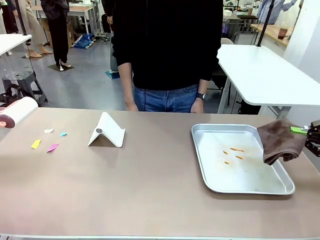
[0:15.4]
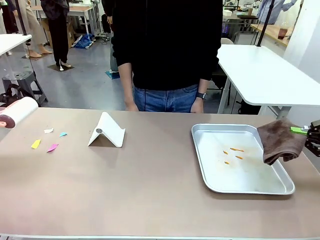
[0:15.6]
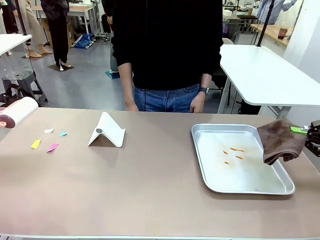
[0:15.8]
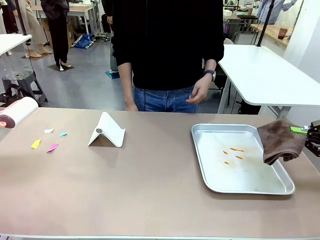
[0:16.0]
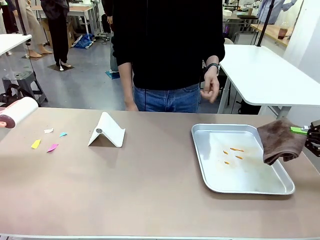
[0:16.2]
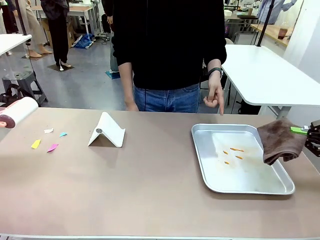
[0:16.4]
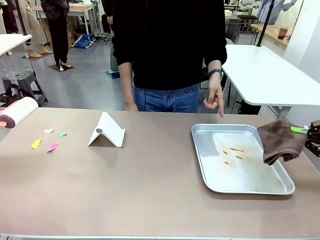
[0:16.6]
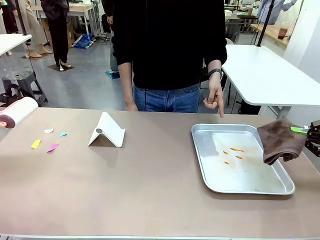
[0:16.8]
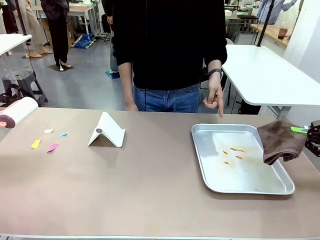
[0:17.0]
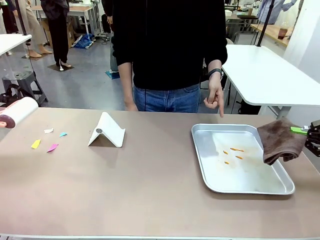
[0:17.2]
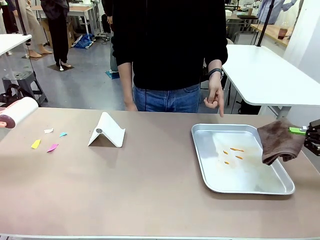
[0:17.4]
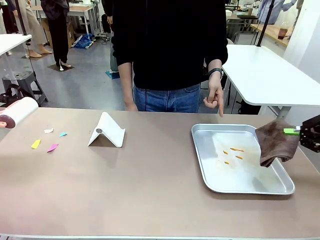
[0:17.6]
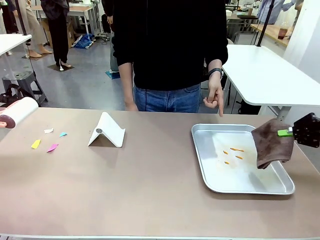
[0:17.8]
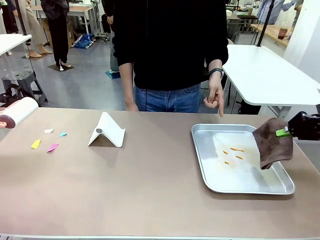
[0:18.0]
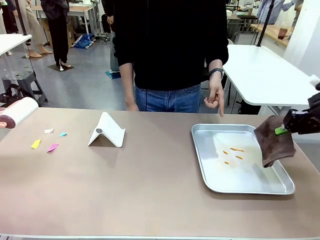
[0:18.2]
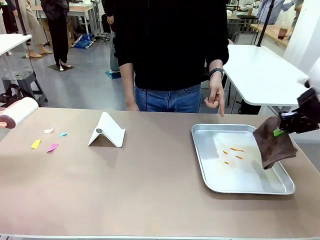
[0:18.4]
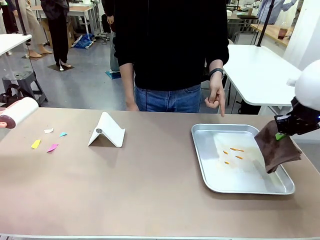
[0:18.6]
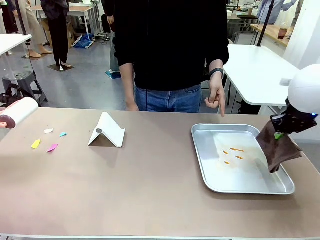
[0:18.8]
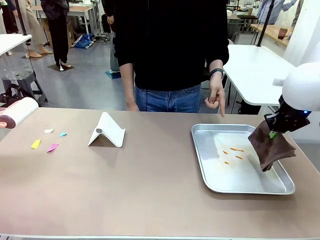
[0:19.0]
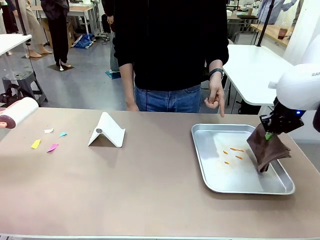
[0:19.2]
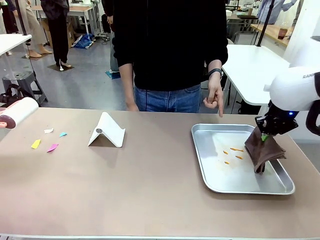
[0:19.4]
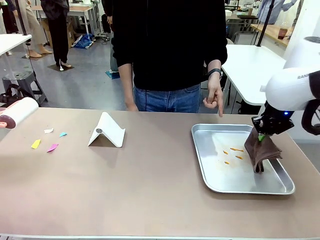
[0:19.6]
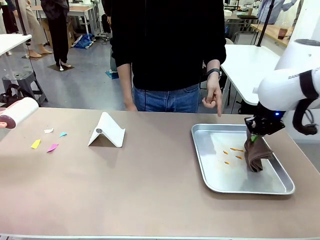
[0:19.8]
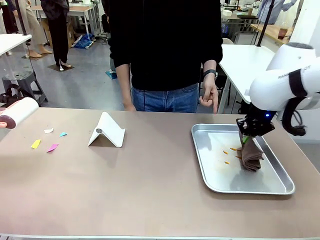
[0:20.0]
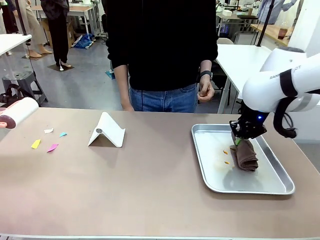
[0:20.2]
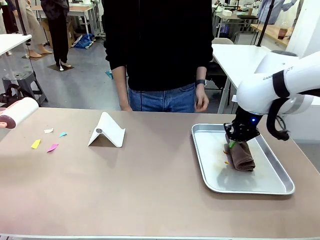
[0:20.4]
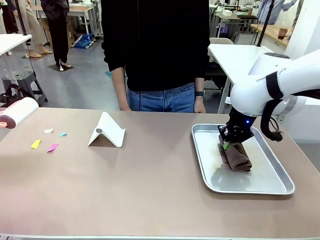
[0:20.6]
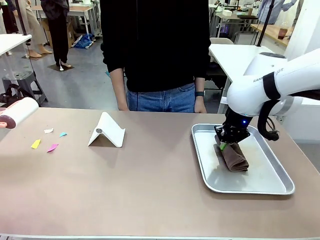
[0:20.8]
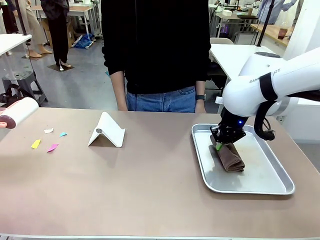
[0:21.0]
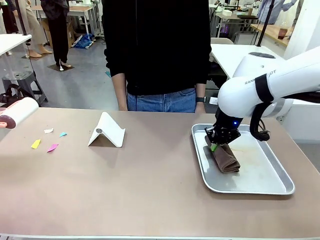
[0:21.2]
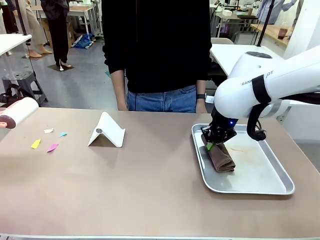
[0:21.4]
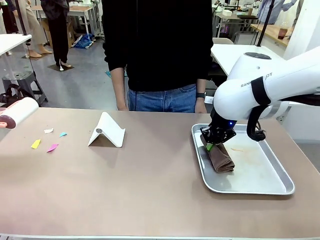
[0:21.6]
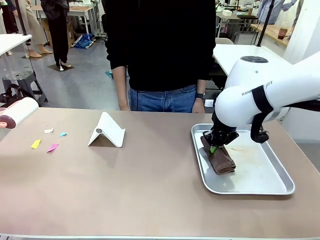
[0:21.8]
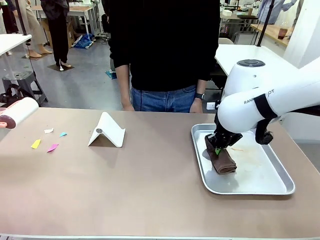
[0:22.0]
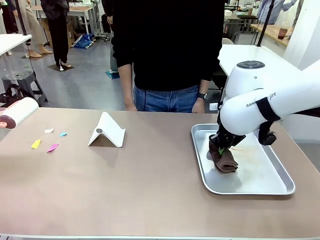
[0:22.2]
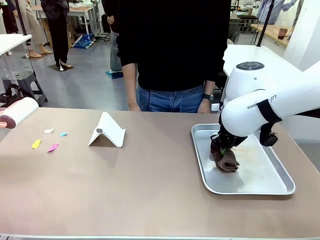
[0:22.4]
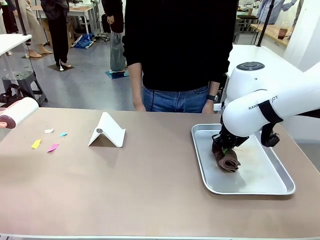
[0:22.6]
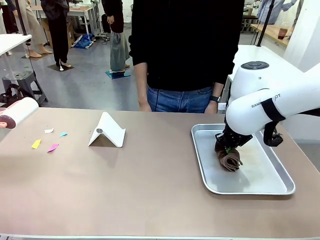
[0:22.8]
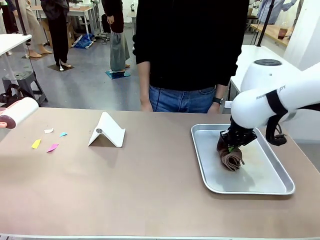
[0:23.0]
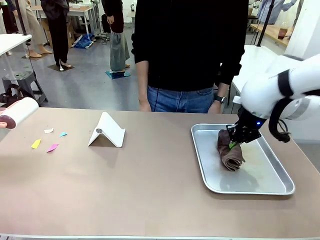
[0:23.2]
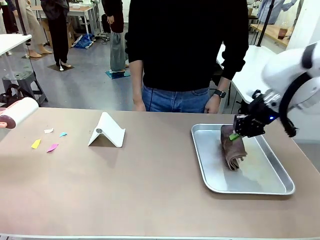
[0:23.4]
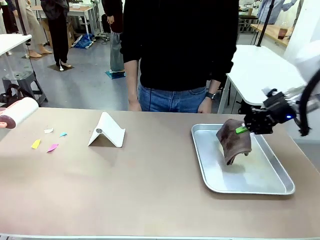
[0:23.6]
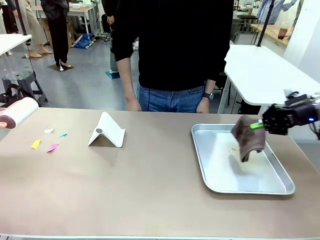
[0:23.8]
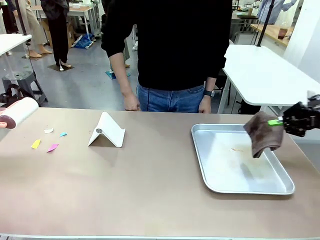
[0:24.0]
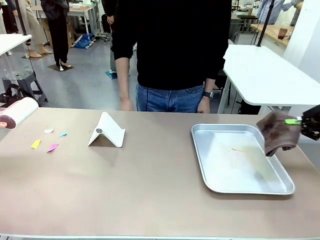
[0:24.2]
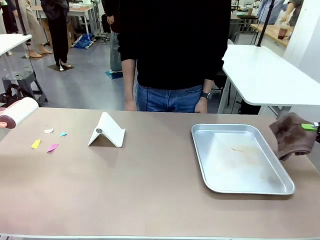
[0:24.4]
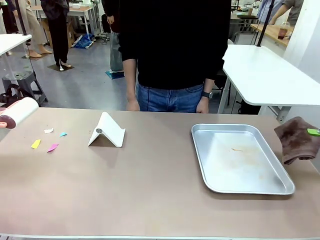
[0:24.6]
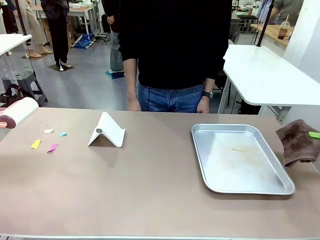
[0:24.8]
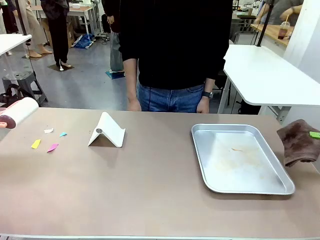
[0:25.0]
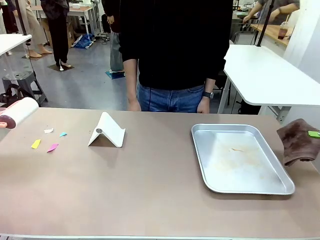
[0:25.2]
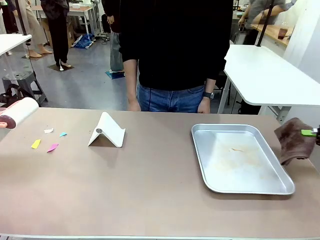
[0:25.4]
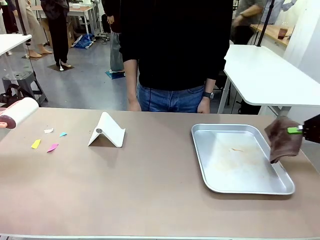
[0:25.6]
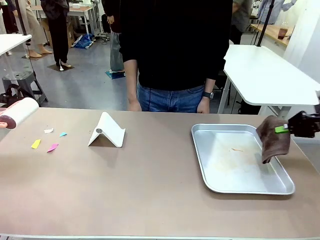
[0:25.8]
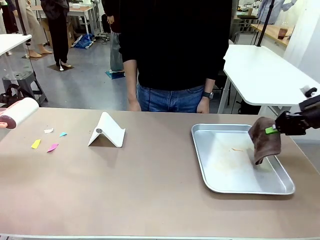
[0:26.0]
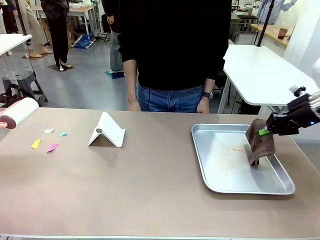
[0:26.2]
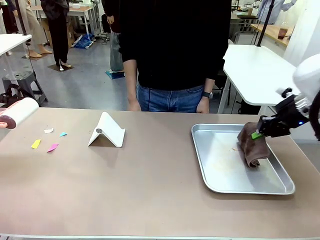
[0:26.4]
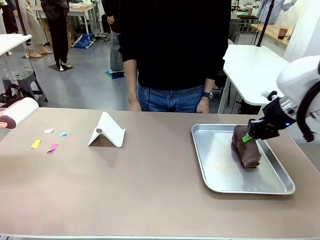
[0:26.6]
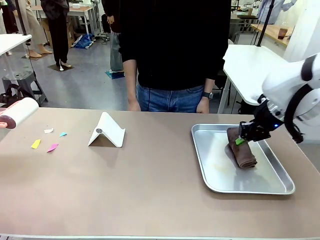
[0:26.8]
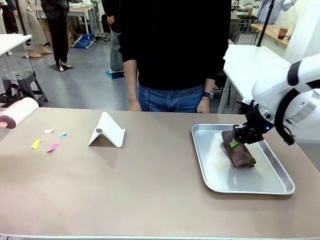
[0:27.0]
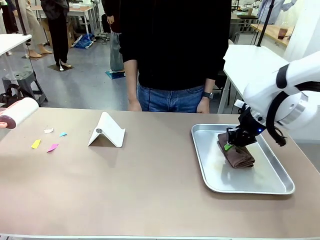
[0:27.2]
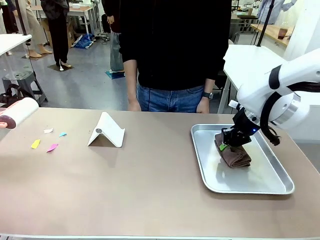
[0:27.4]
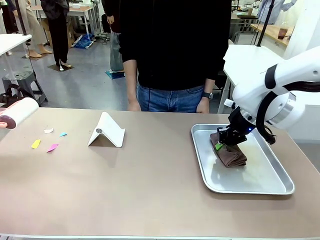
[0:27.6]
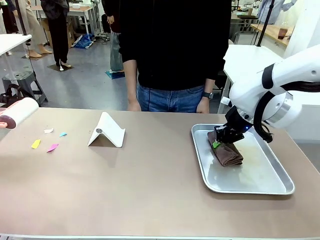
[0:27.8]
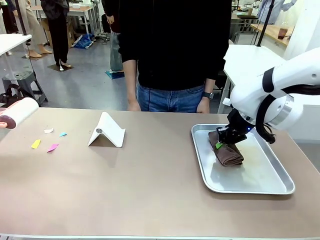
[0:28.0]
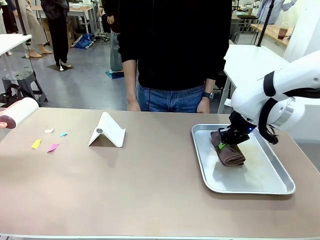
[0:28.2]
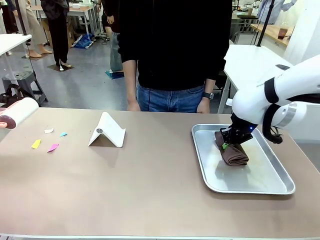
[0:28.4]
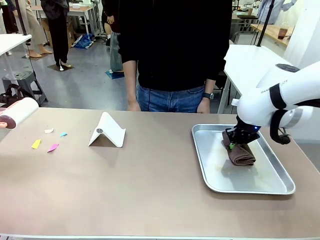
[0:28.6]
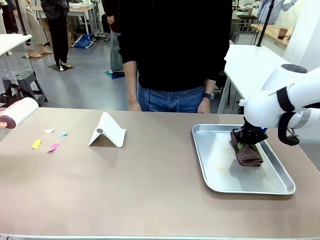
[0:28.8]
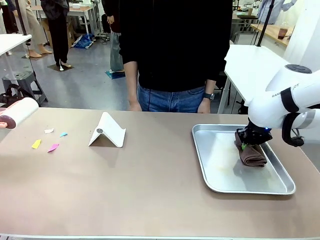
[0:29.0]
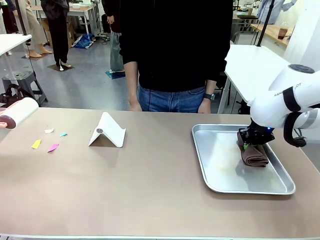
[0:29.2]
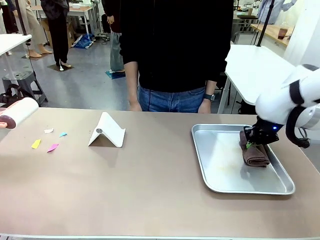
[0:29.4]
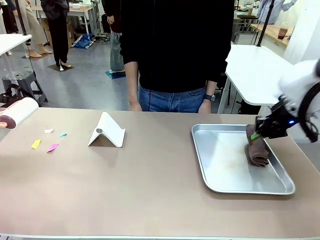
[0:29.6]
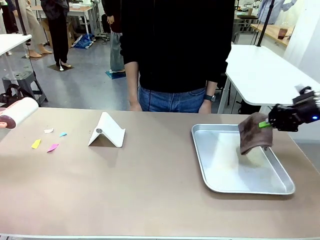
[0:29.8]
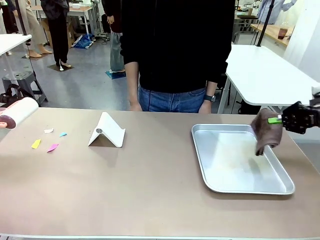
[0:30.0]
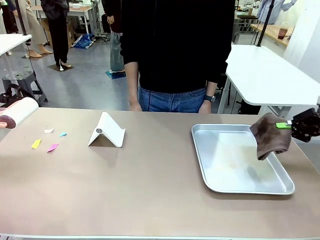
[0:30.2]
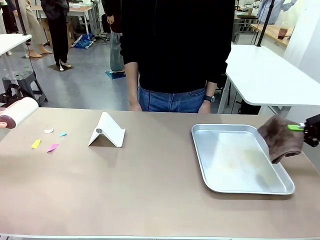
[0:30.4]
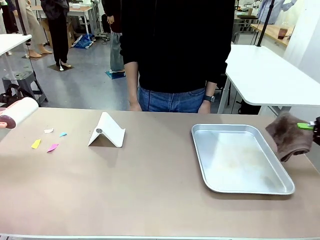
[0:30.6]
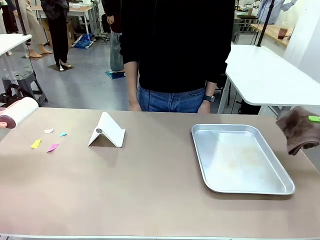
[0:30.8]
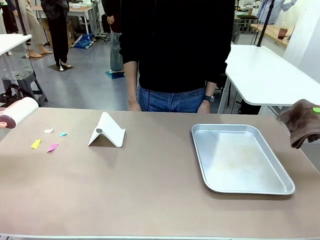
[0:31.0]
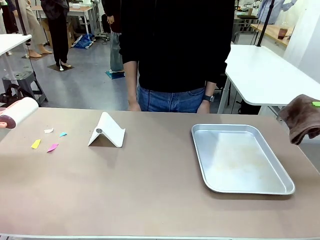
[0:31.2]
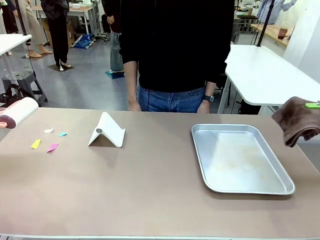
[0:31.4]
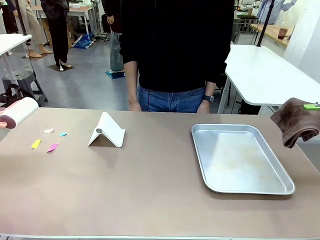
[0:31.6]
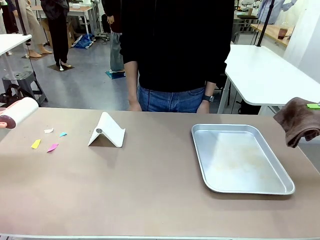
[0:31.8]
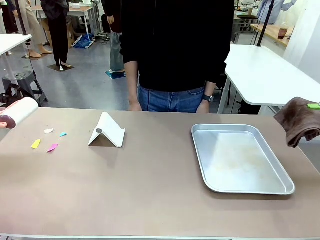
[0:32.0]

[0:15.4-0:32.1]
Task: Clean the surface of the table.
Robot: If a person points to the right, clean the right side of the table with your right hand, and if they point to the left, clean the left side with your left hand.

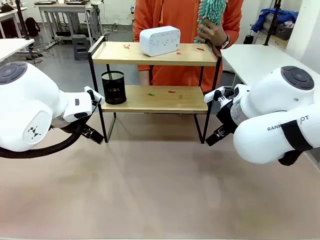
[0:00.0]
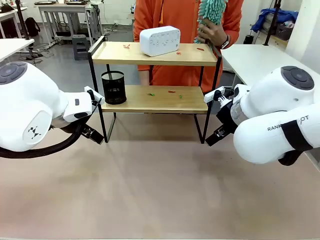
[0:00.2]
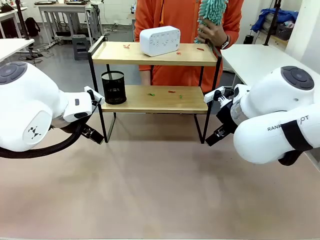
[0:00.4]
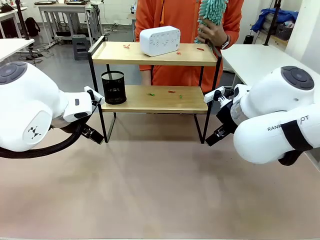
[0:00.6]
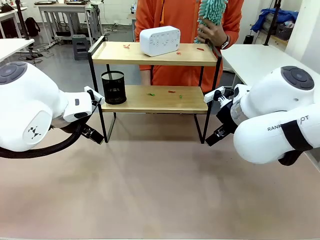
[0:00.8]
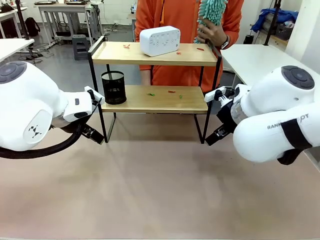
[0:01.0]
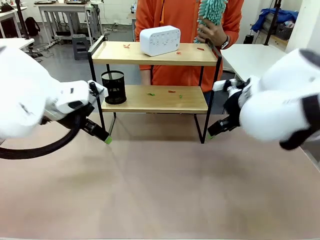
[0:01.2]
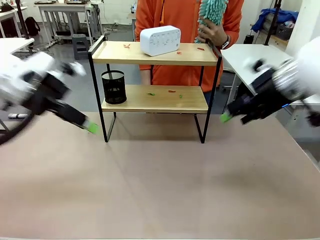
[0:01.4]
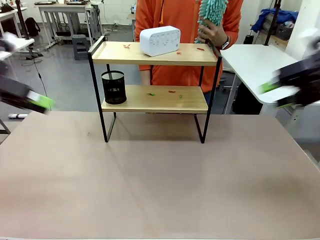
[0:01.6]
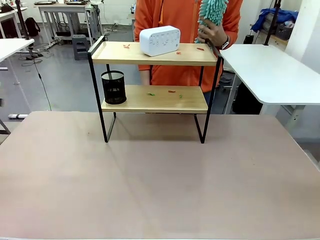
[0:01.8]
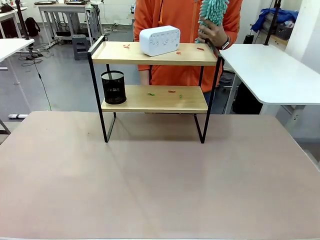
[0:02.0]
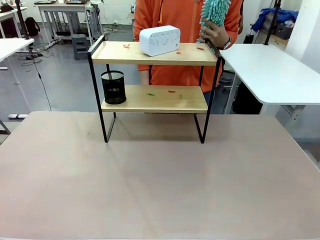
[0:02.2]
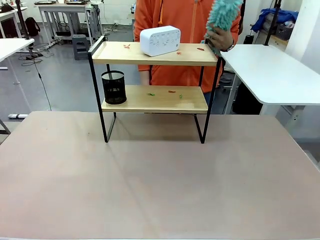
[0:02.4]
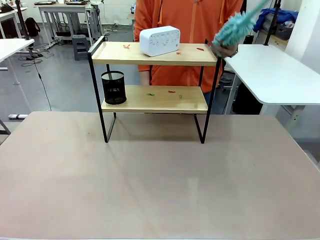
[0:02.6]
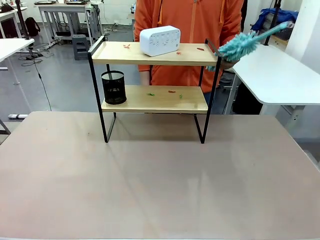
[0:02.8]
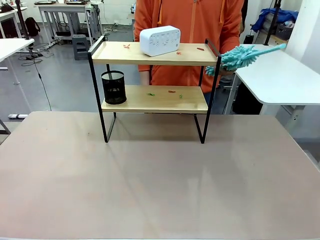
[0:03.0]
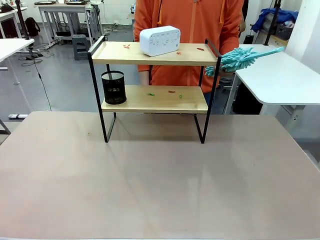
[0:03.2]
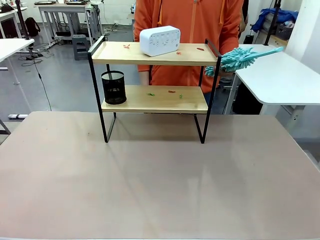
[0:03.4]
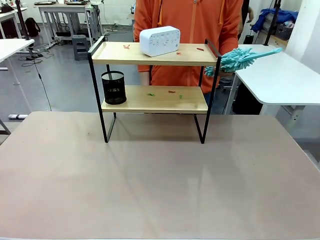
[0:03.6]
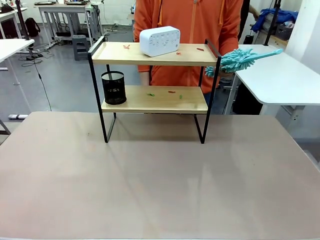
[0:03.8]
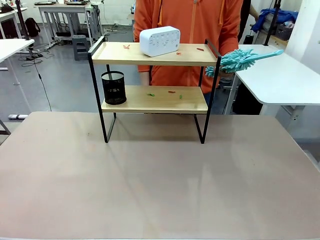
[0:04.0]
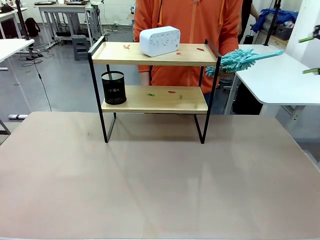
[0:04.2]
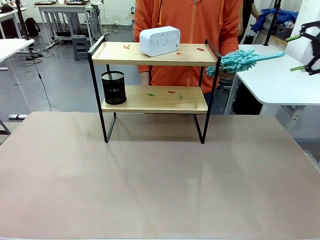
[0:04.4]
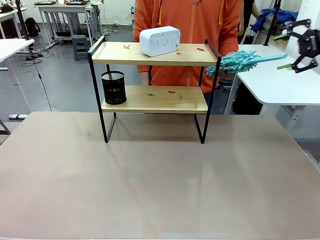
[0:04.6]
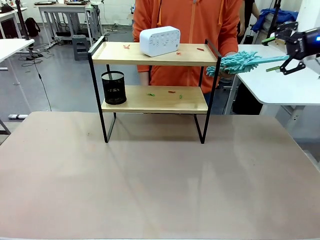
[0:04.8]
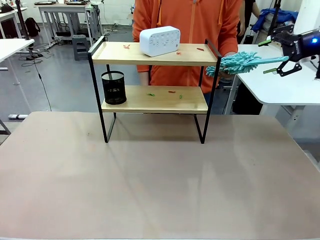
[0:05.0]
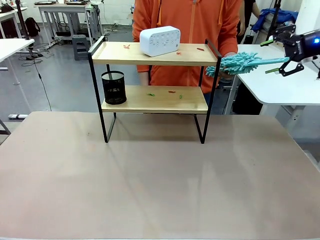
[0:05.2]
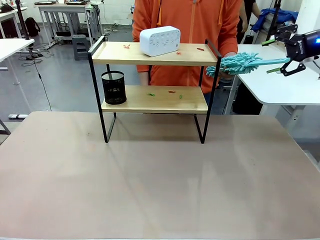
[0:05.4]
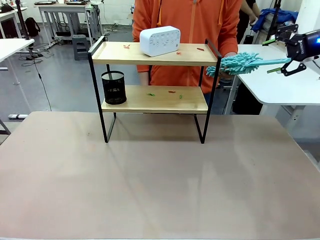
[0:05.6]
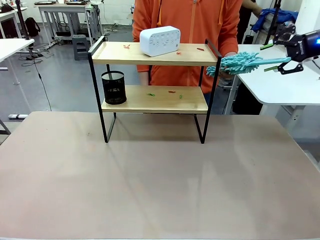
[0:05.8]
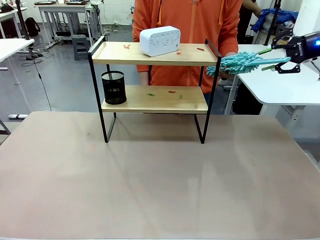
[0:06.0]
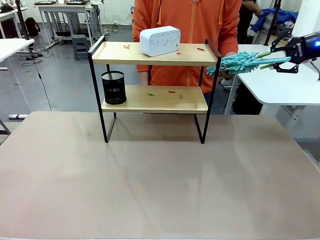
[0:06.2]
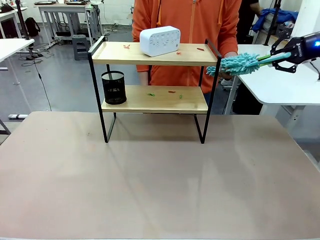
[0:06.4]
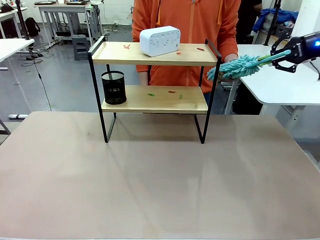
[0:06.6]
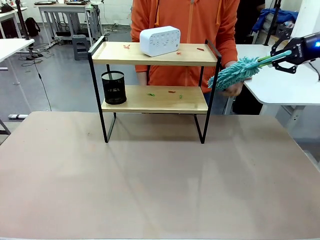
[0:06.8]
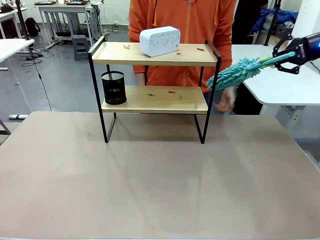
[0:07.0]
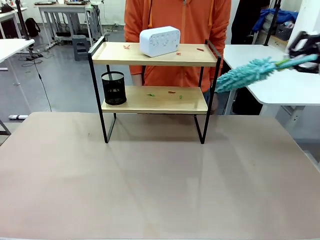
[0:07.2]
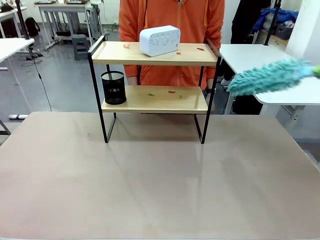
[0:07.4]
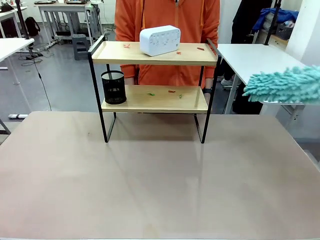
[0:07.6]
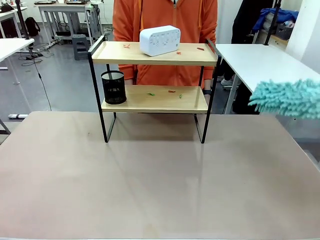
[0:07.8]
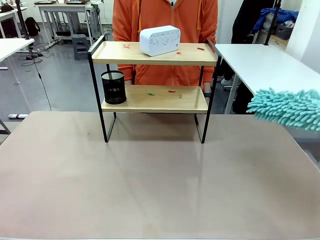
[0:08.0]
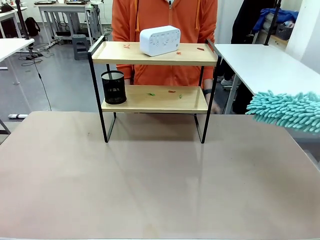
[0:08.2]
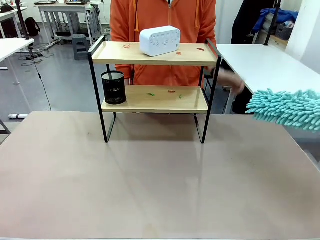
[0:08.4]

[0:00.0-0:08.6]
Task: Clean the shelf.
Robot: Pick up the Duster from the human.
Person: Hand the Duster to the robot.
